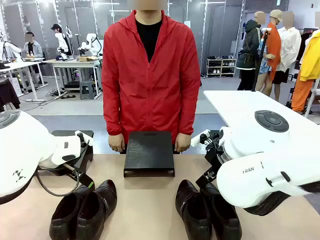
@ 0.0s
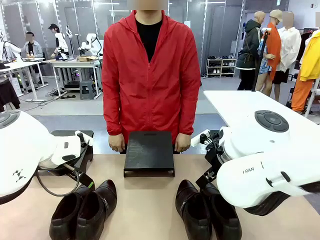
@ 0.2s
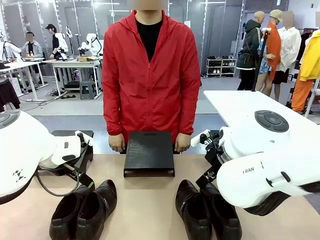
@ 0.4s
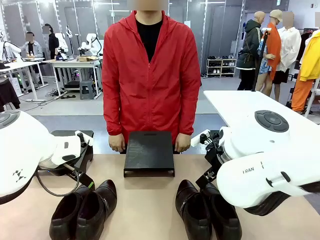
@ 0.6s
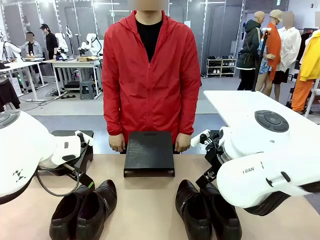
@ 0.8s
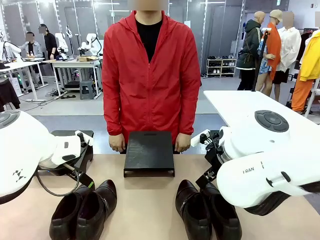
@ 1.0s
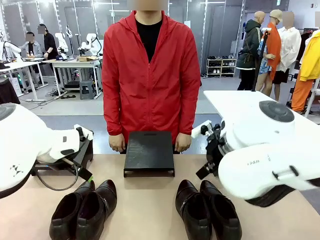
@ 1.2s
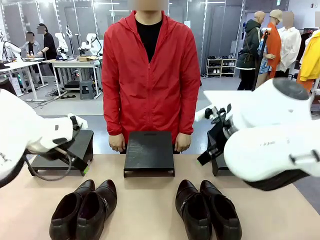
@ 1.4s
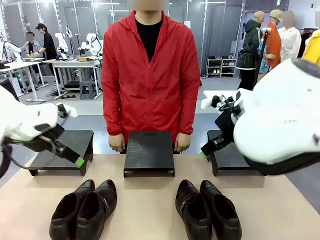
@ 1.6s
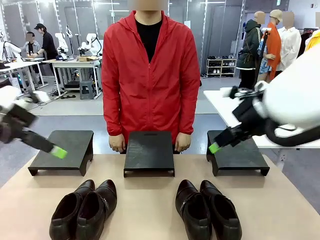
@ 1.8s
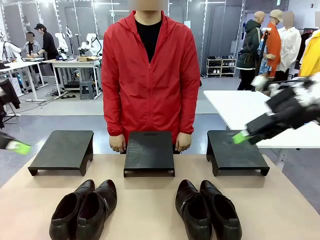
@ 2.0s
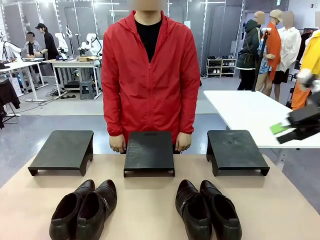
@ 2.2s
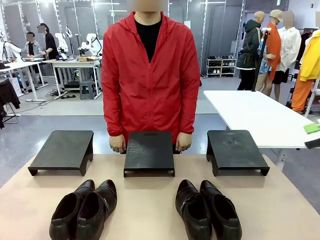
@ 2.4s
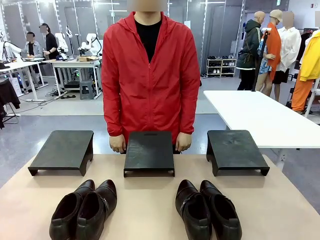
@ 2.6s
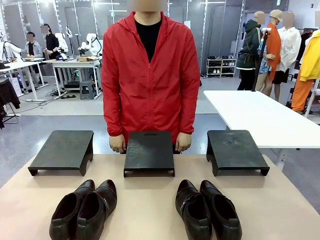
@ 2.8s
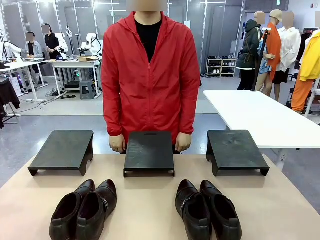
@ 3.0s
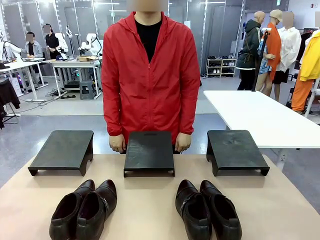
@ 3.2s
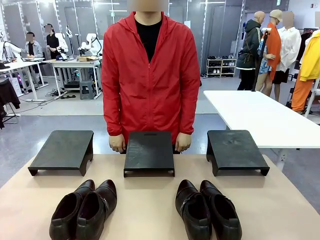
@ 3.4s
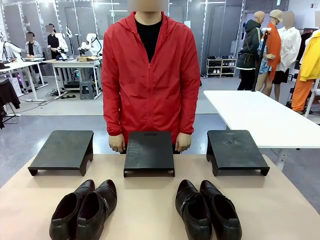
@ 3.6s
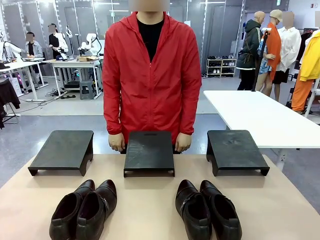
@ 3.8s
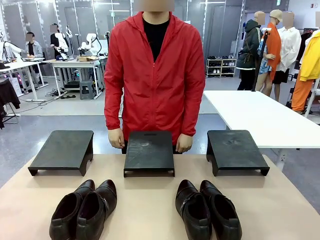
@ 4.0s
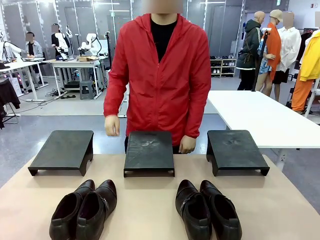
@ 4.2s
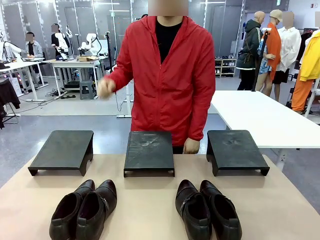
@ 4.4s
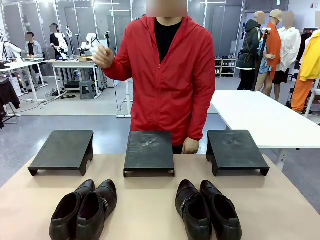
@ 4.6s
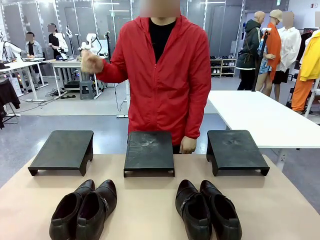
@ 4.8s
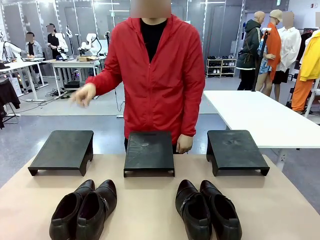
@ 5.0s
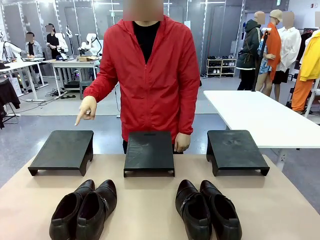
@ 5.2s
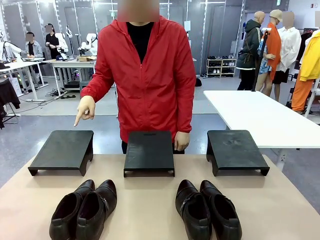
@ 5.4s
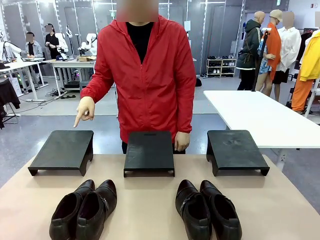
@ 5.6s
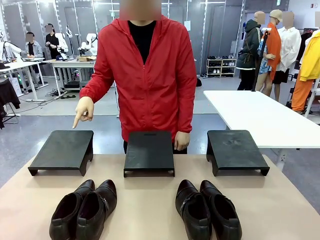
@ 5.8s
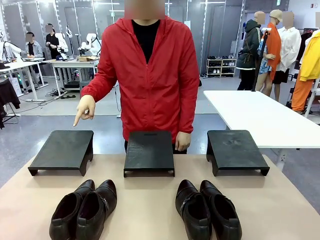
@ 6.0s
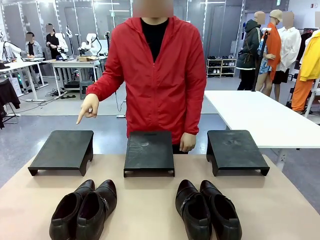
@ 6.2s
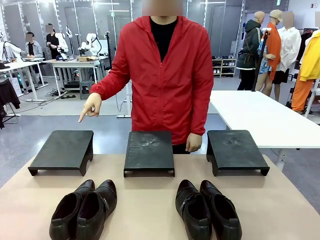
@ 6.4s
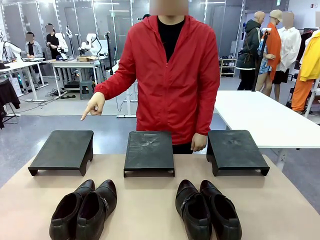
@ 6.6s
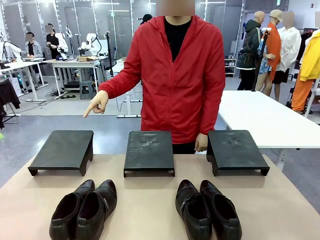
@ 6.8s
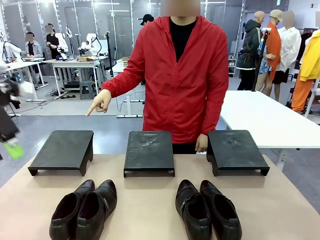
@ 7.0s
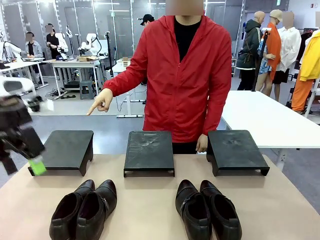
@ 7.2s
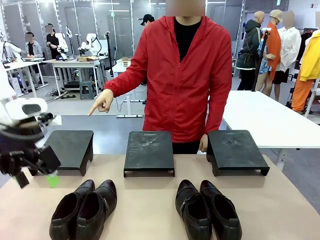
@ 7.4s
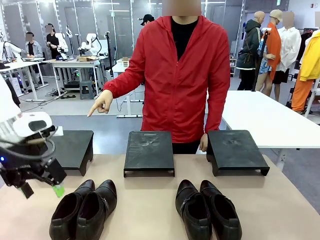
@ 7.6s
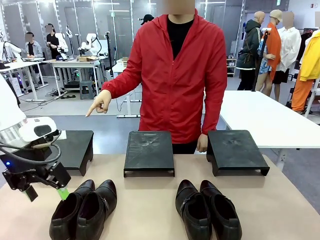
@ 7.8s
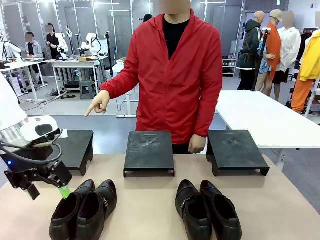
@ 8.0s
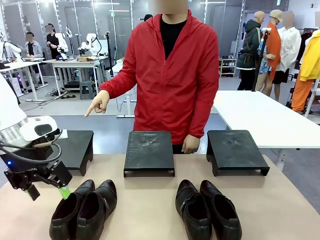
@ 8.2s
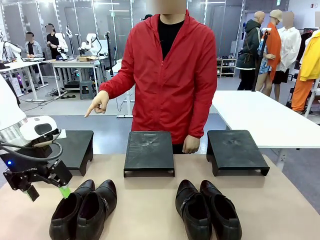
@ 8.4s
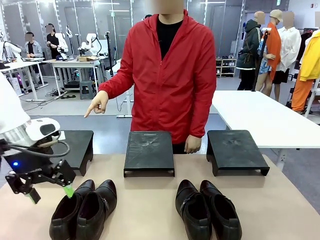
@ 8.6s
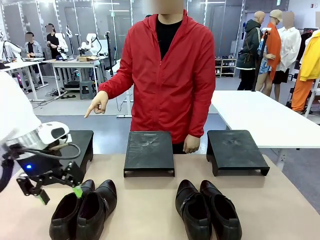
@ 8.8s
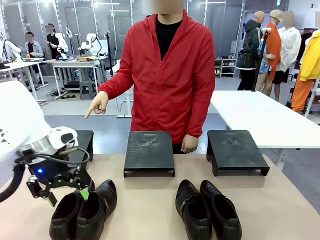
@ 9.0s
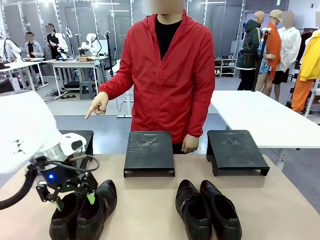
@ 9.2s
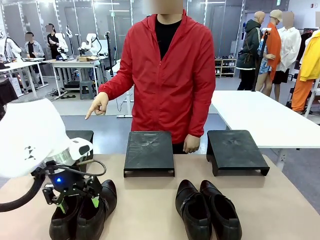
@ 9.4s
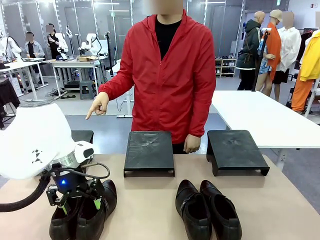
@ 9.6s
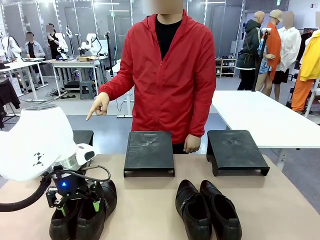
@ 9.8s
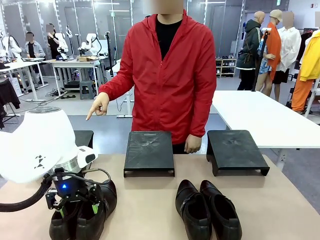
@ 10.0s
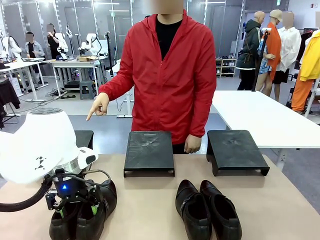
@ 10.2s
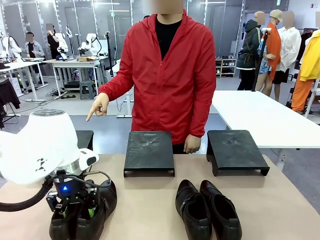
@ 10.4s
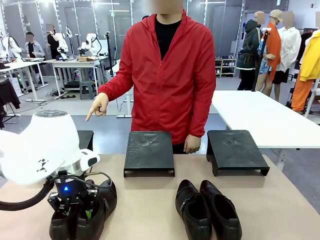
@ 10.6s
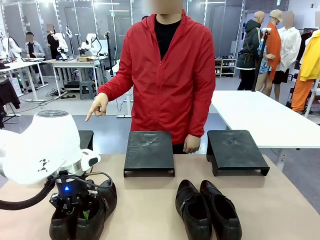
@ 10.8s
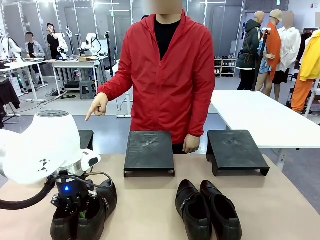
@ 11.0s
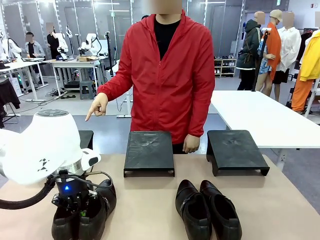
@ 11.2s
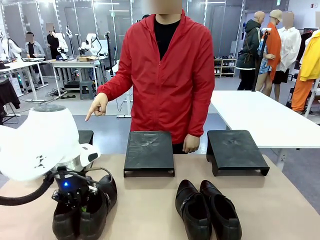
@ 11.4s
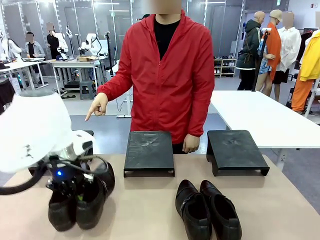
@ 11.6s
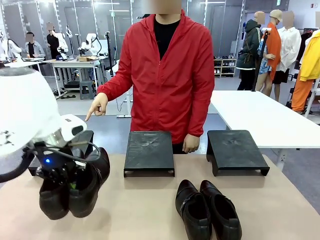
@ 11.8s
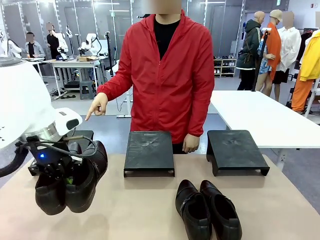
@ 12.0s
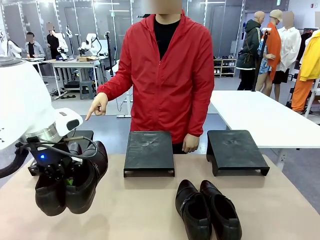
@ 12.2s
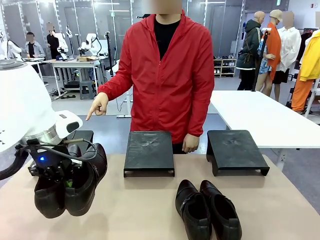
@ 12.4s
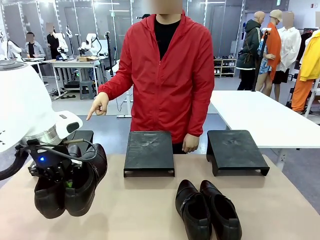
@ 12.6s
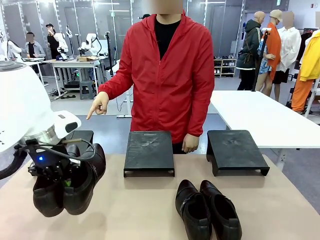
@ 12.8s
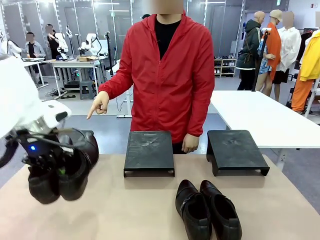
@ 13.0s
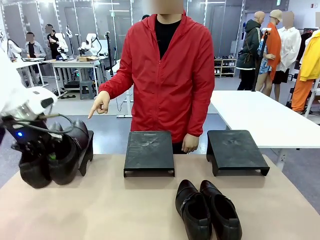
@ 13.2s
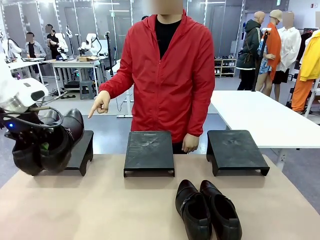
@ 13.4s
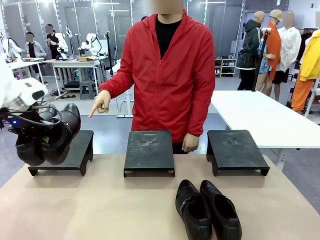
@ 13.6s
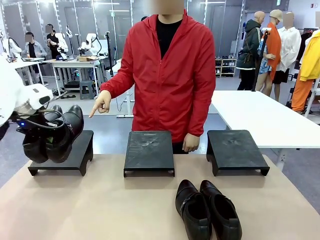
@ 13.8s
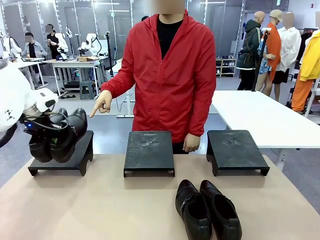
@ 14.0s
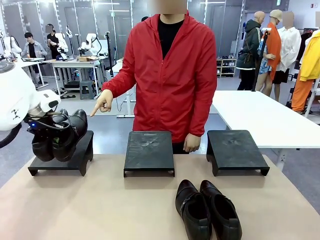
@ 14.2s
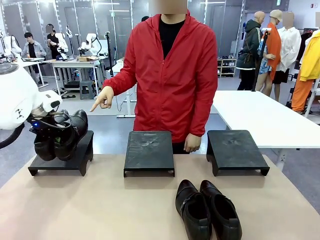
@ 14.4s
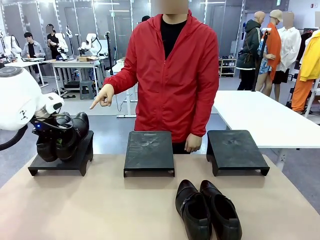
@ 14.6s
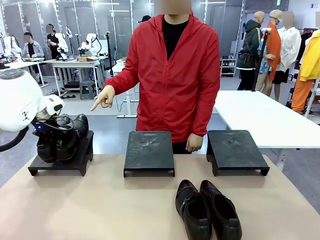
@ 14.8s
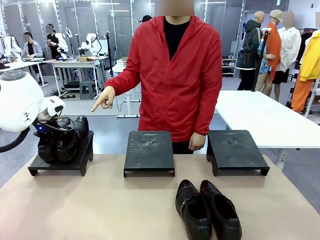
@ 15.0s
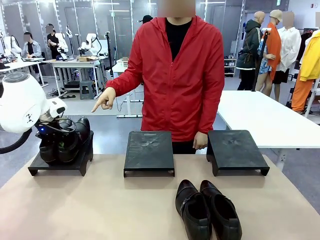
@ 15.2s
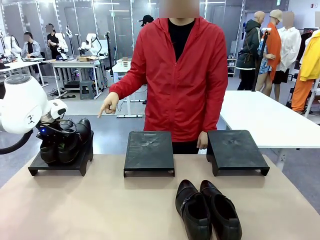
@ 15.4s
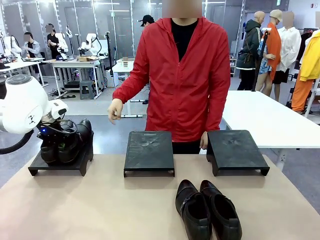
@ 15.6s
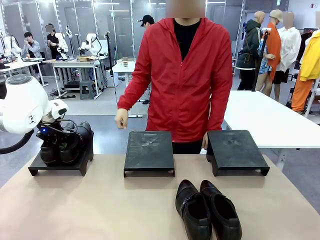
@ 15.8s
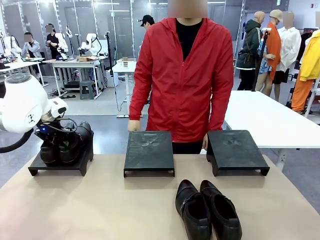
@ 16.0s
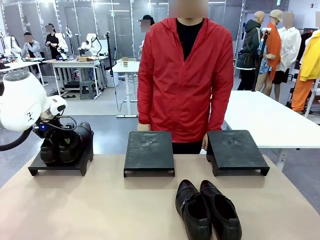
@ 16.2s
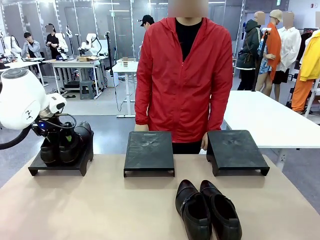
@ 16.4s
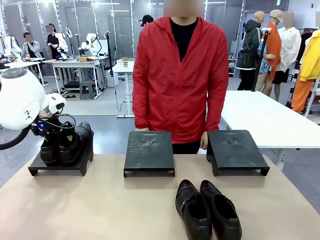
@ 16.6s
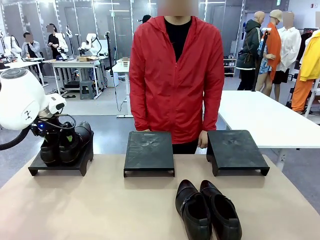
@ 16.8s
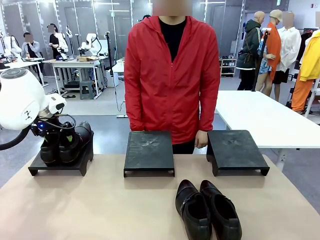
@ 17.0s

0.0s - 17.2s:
Task: Place the shoes on the stand as instructed by the person.
Robot: Pick up one pair of Shoes and place it on the Shoes Stand indicated by the person.
